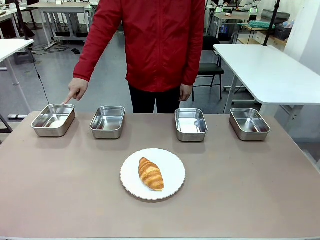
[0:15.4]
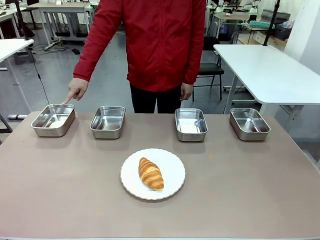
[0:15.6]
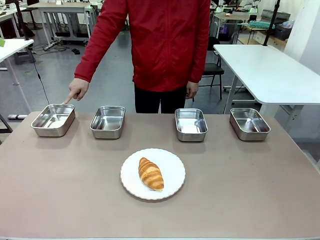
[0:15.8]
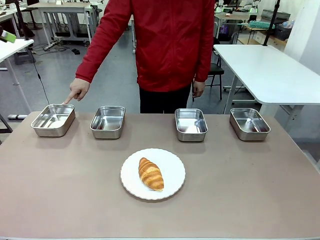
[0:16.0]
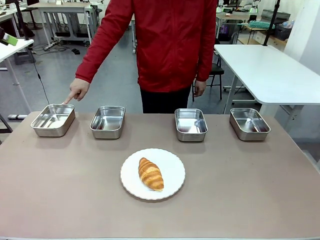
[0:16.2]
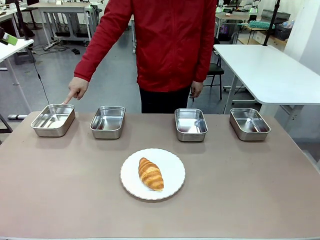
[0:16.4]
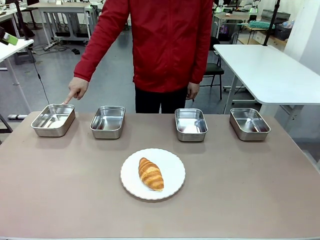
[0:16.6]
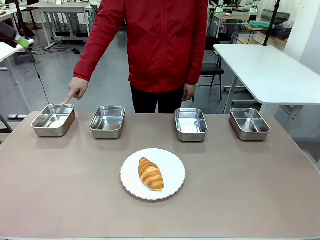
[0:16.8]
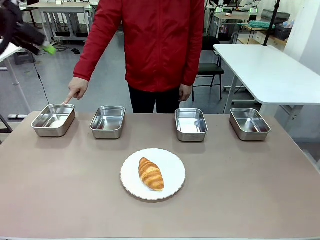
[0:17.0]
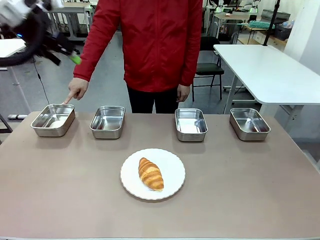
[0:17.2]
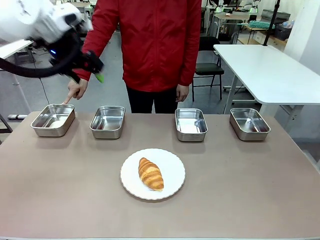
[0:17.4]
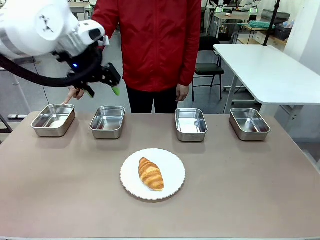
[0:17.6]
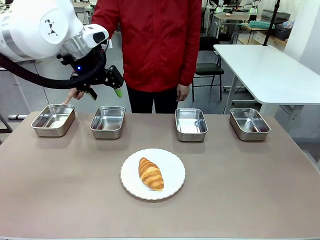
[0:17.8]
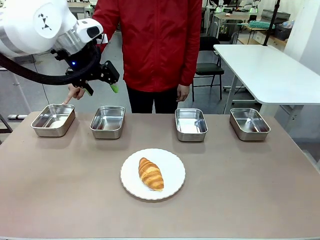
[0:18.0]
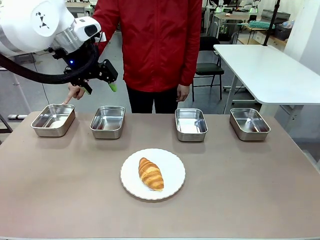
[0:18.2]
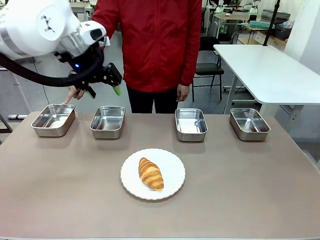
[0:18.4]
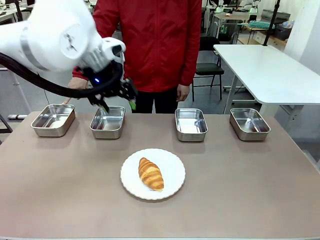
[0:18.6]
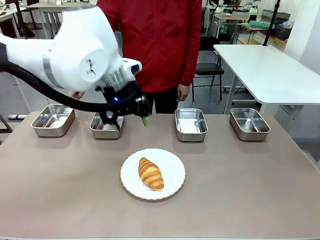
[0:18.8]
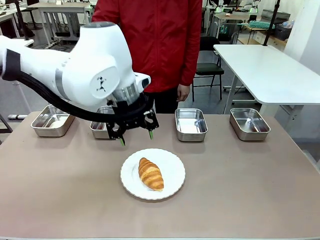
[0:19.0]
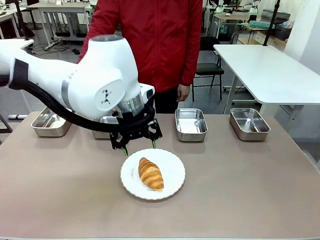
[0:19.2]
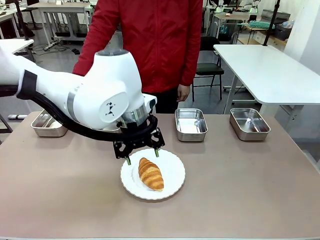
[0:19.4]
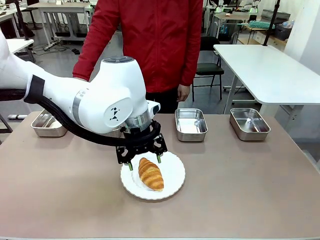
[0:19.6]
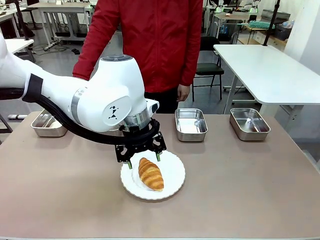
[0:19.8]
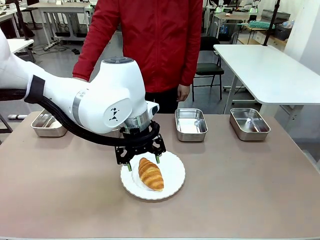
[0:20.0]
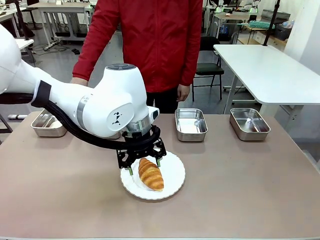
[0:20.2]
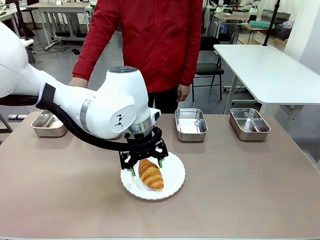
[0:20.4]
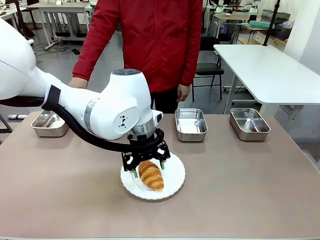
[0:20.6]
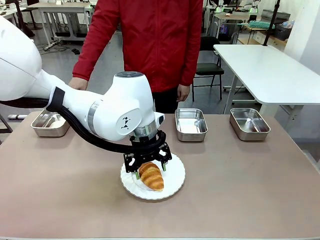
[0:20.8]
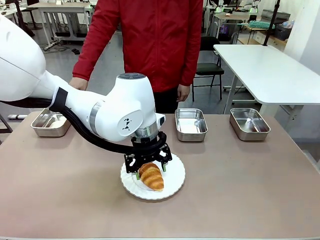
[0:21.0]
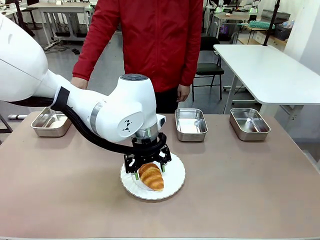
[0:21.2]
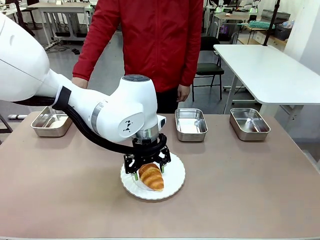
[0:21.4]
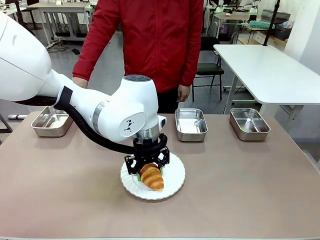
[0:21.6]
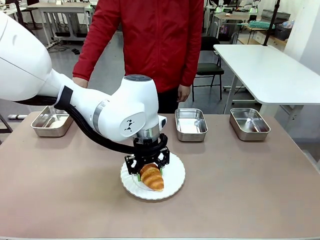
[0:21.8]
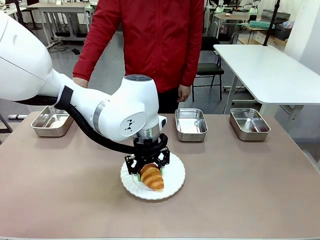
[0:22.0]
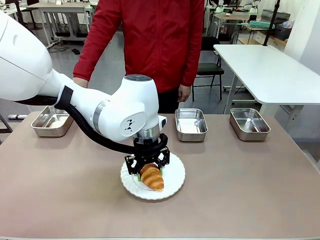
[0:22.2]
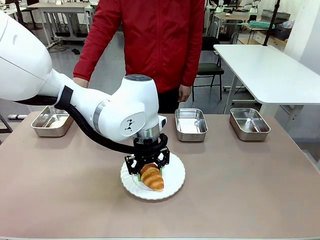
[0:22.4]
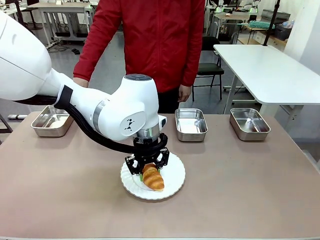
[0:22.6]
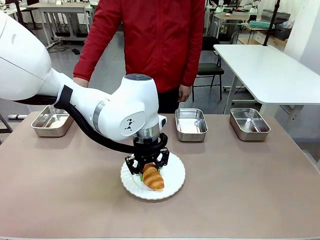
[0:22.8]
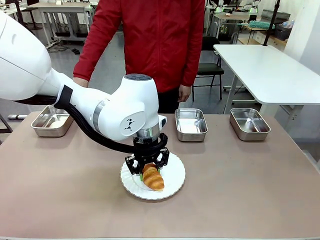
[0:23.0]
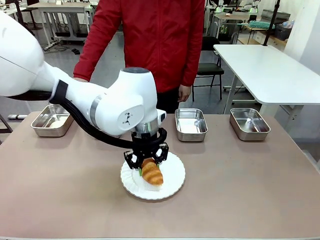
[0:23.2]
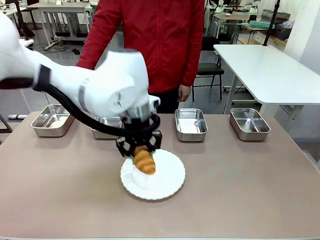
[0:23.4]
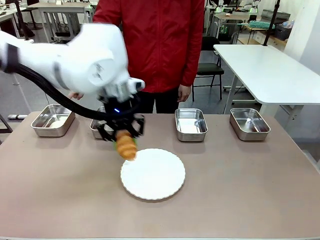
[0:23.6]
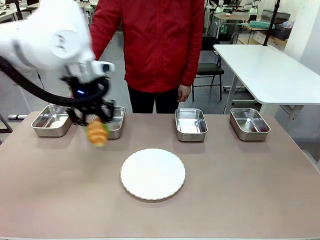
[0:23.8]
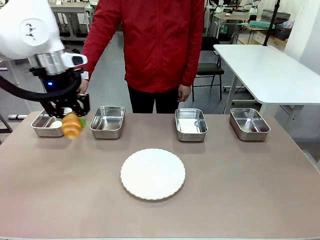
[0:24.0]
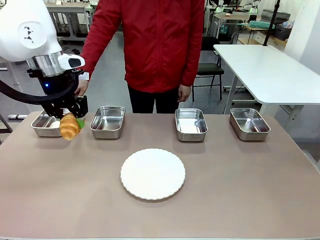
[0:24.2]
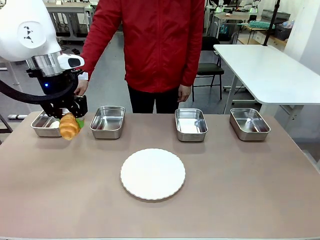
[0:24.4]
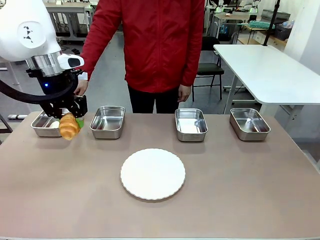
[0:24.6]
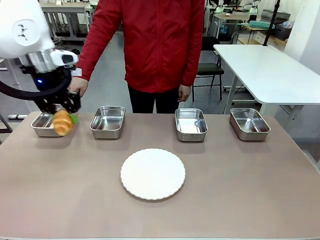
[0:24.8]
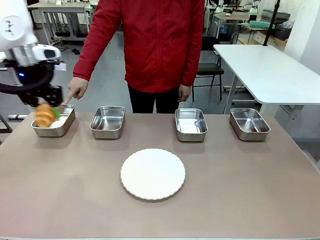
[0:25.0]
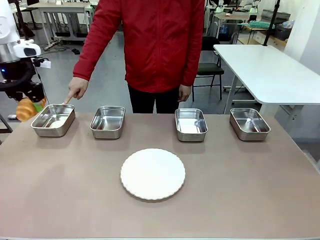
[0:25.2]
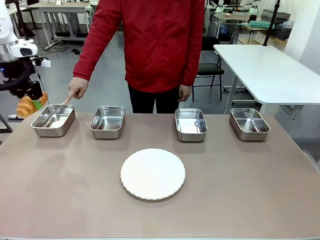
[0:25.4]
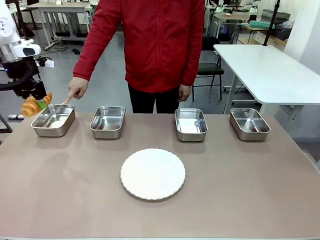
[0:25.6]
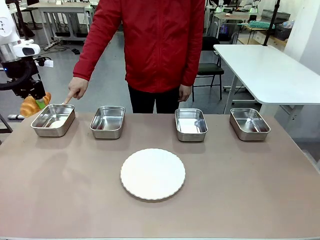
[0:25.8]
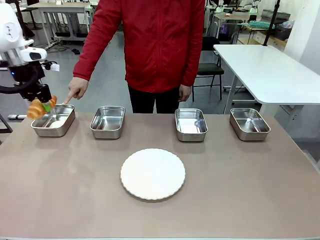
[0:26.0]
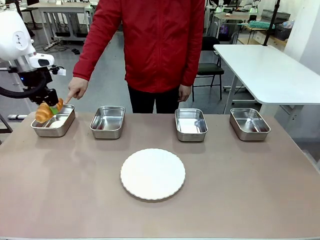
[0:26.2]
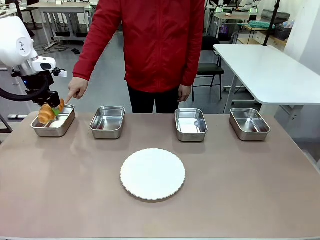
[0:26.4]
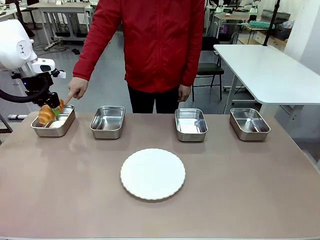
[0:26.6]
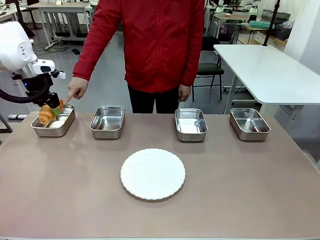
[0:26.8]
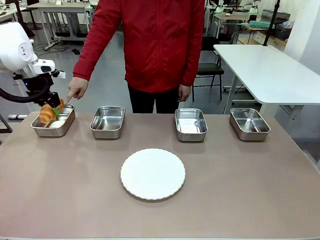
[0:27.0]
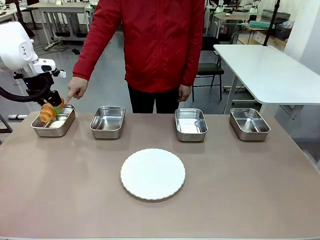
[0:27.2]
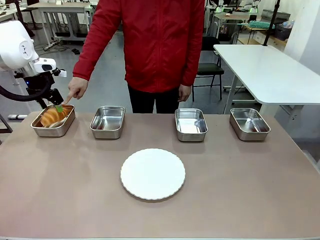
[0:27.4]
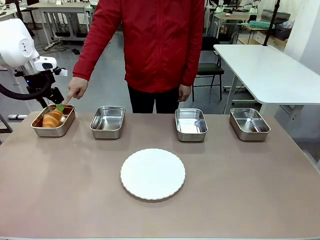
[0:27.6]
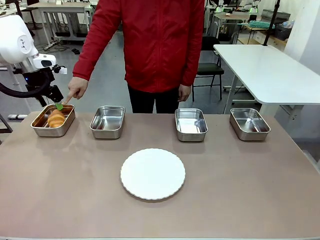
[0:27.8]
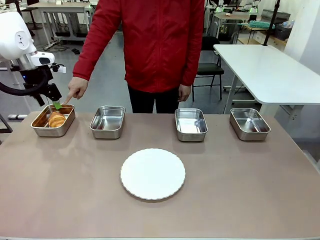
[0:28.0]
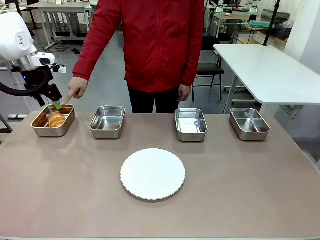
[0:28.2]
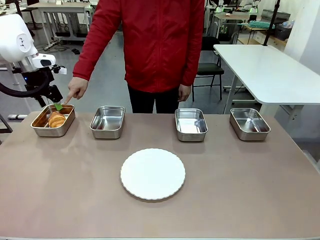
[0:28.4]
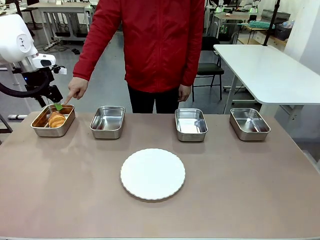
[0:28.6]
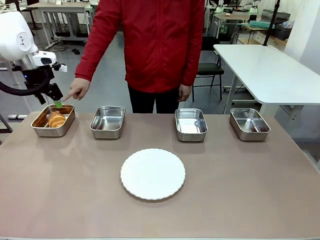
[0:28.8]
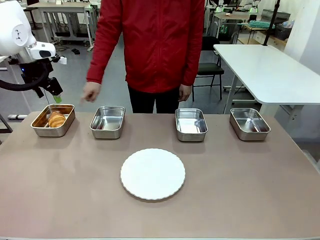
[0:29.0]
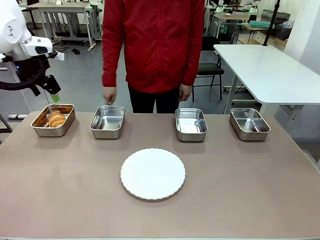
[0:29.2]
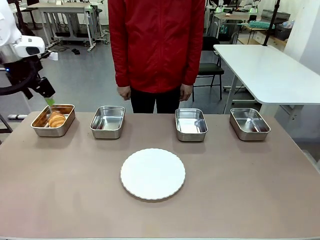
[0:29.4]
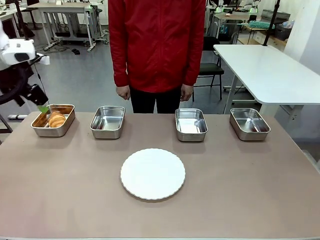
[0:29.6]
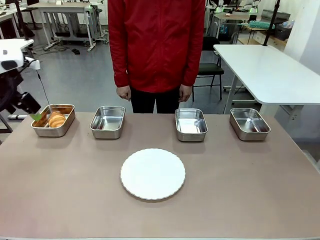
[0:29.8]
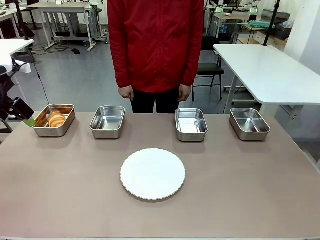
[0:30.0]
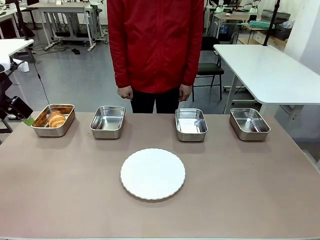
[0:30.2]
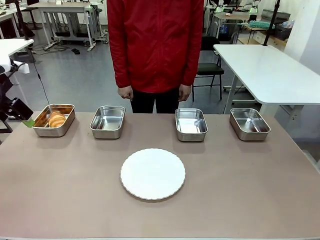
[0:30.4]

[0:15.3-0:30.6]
Task: Place the bread in the container.
Robot: Place the Butter Roll into the Airtight Container indicated by the human.
